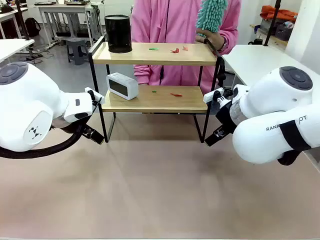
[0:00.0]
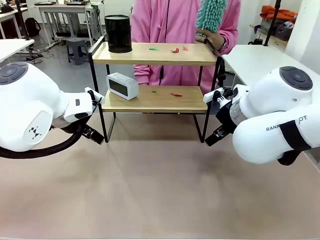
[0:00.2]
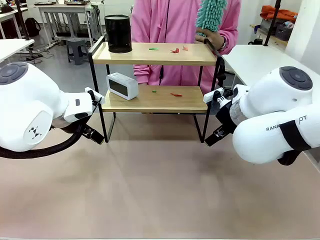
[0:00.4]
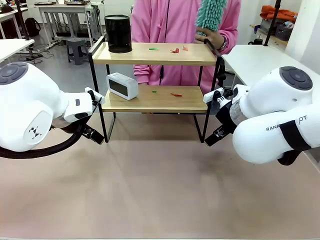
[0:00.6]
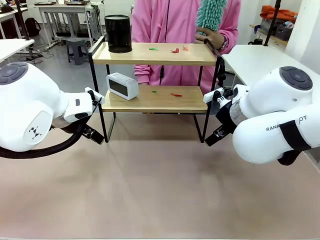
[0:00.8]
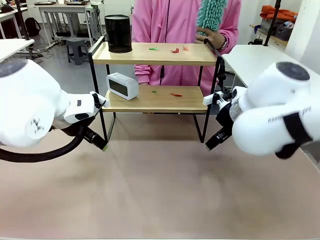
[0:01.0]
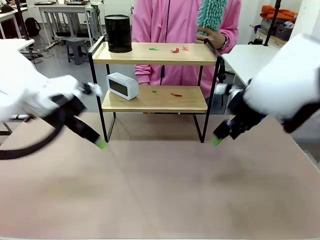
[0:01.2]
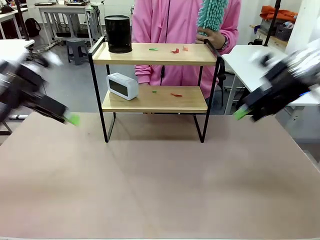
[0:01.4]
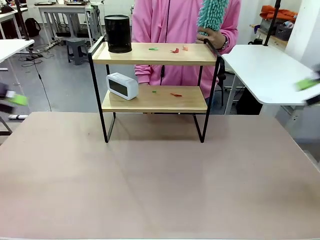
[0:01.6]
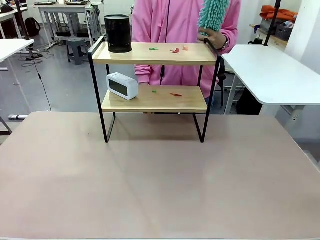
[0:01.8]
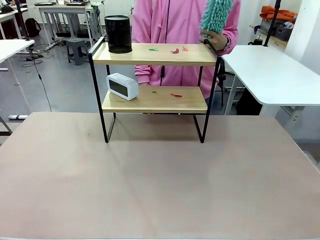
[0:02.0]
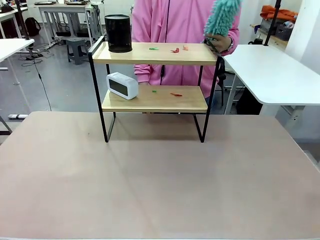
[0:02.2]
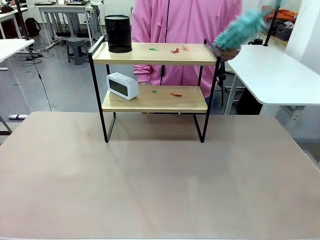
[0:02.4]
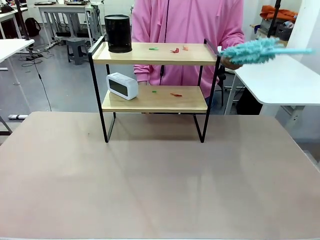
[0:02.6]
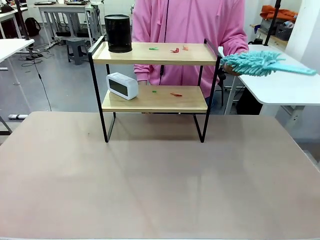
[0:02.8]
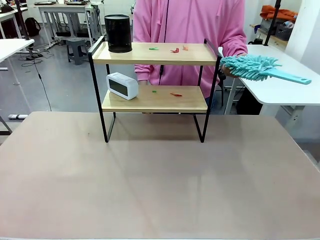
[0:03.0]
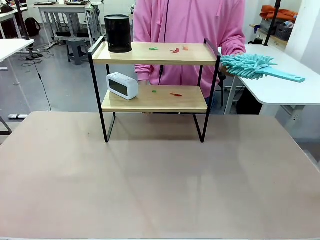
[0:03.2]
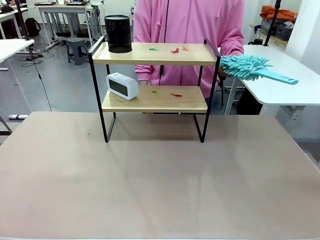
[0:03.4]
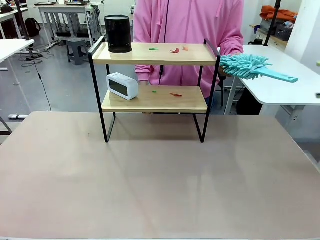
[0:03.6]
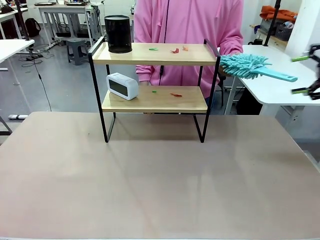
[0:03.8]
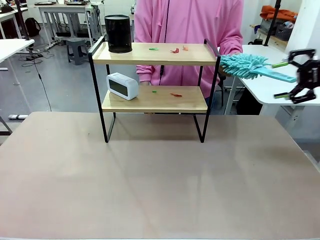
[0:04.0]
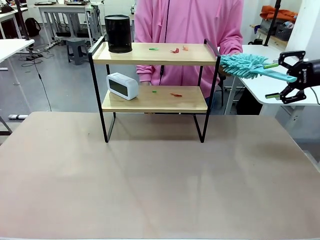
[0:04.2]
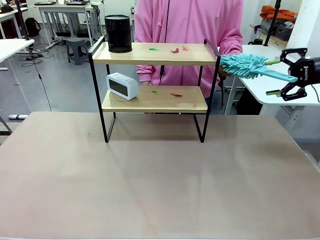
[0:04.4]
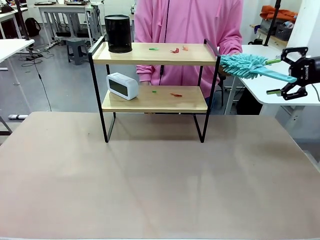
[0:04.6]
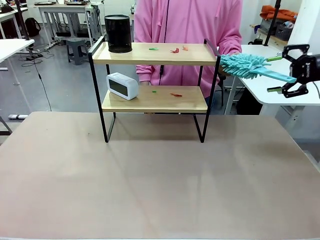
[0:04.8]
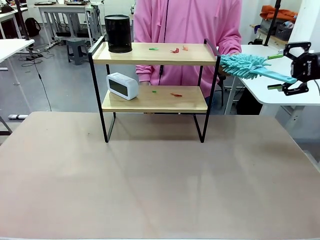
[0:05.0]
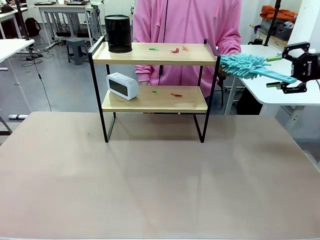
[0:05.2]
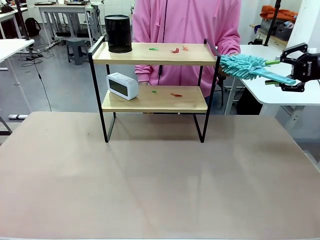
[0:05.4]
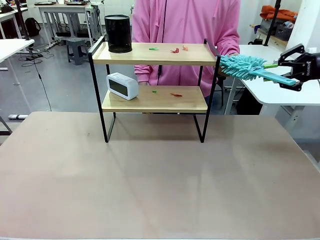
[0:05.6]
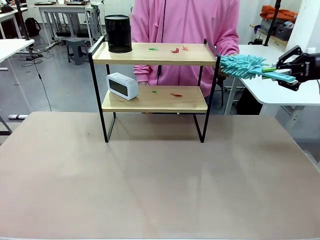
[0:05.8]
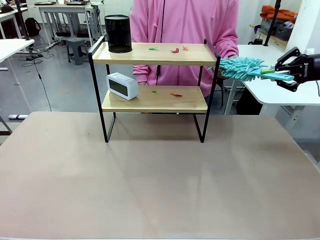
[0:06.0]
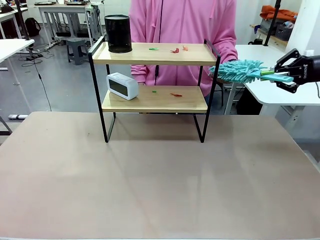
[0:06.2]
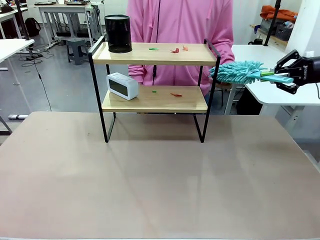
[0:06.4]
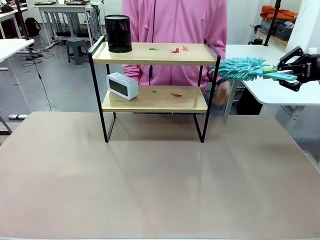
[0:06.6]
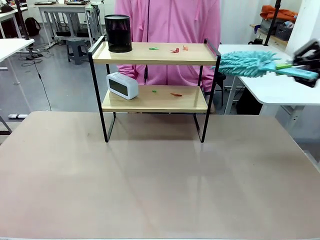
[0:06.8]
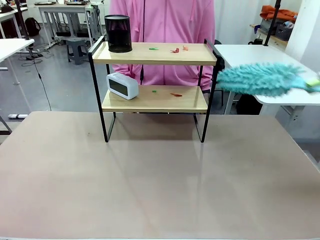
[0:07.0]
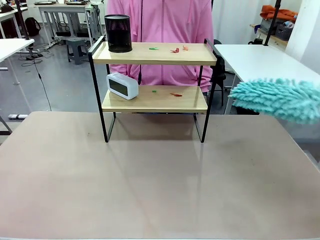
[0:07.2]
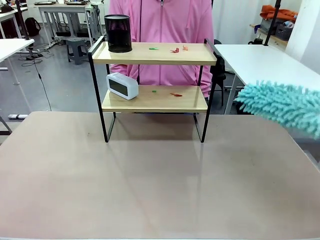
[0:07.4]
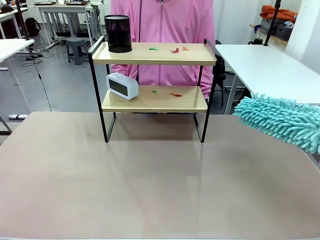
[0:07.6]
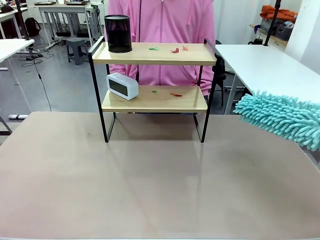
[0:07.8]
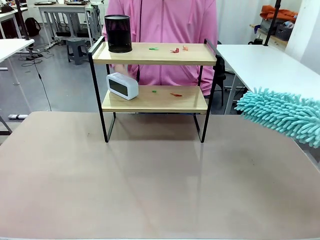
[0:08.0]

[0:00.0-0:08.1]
Task: Clean the shelf.
Robot: Pick up the Duster from the human.
Person: Hand the Duster to the robot.

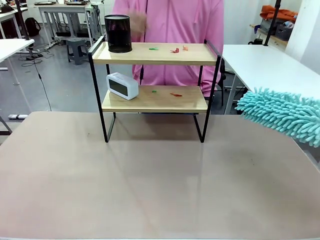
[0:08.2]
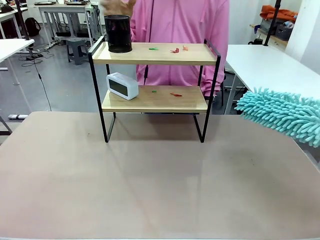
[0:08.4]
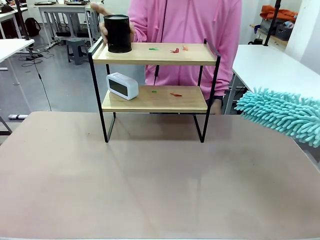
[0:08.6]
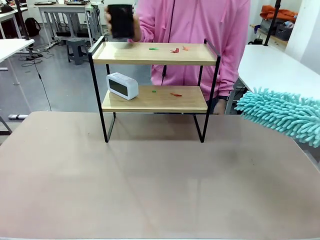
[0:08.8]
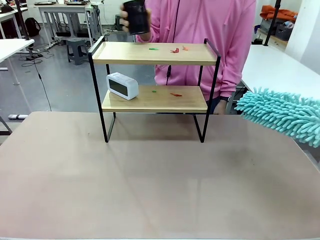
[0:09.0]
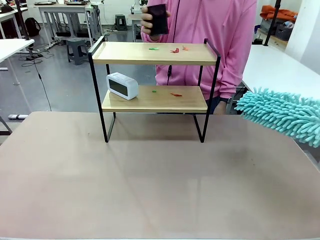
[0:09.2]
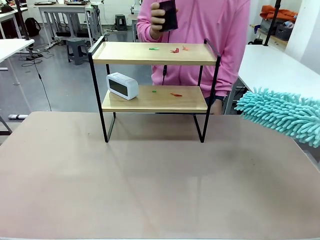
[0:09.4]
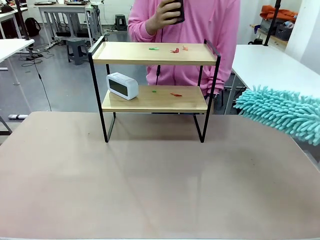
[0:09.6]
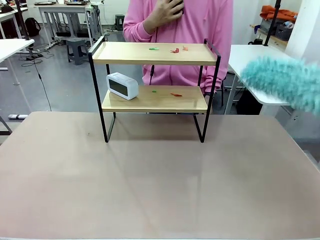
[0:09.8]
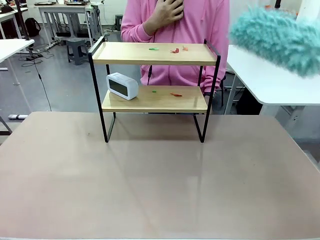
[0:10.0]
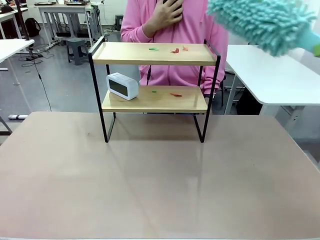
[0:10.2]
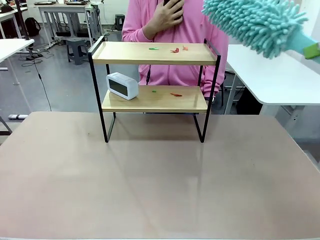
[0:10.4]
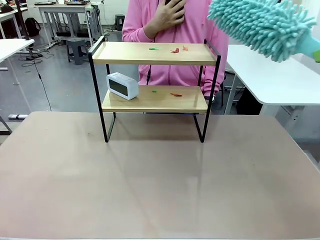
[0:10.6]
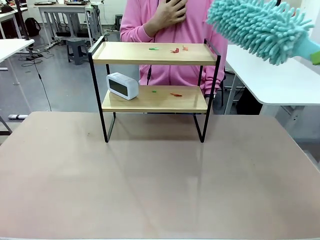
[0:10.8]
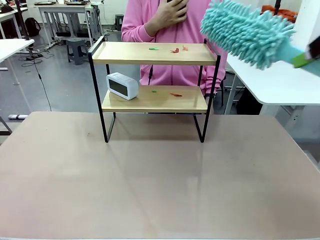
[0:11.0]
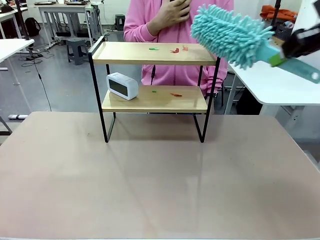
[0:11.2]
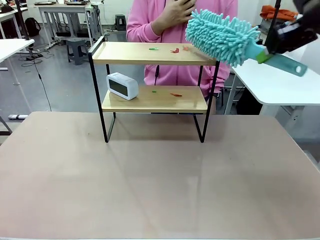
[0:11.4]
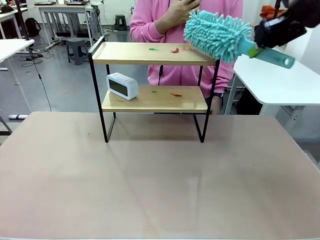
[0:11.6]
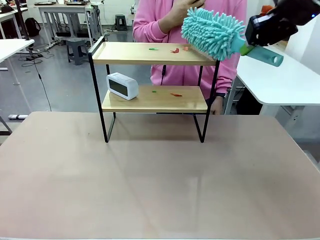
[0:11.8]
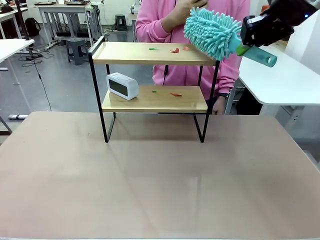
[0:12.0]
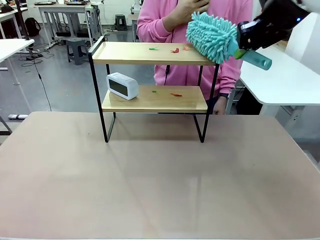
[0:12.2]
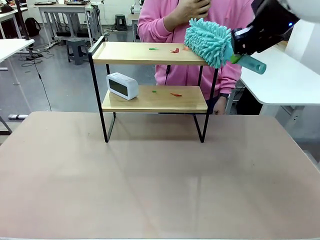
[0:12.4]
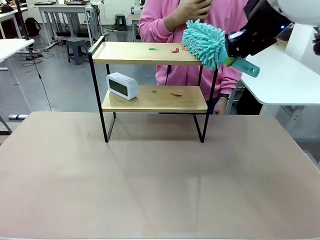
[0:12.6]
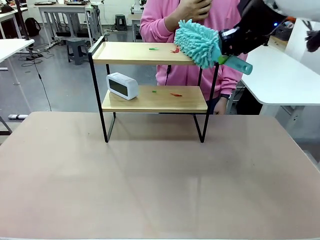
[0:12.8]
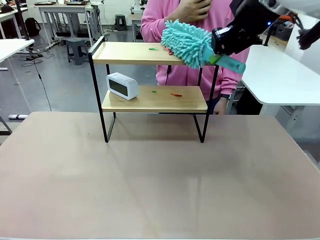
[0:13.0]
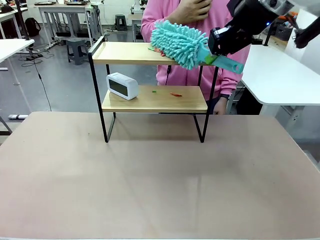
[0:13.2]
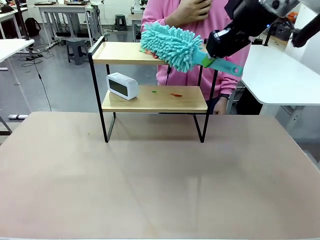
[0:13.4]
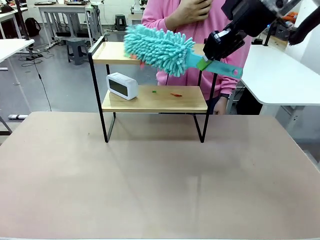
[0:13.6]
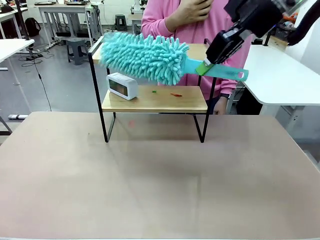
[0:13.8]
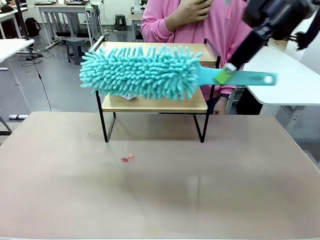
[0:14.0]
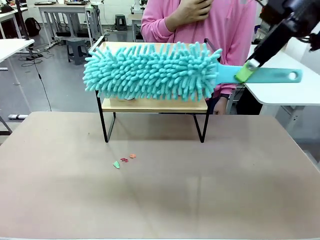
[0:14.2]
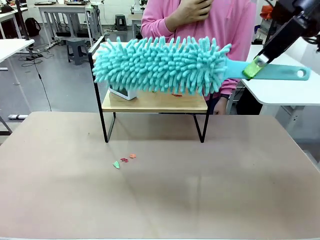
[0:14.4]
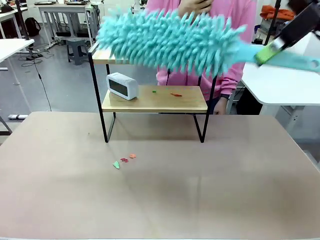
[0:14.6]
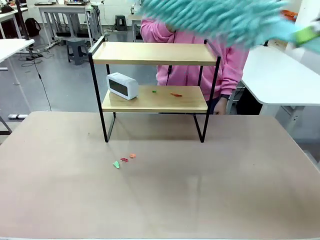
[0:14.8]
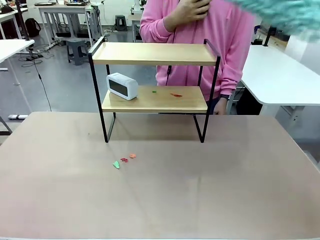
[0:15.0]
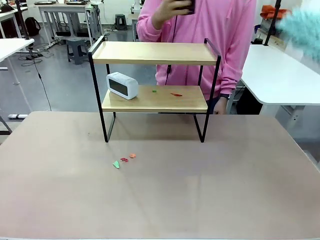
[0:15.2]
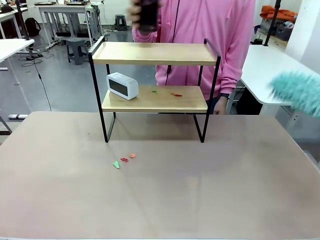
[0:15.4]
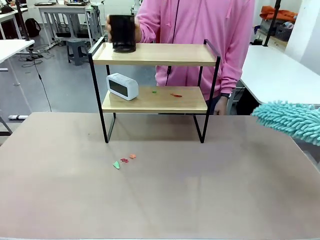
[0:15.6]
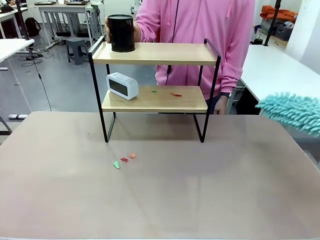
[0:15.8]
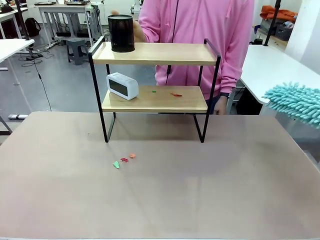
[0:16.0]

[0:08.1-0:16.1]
Robot: Clean the specific tier of the Shelf with the Duster once objects are removed.
Person: Lift the objects on a randomly selected tier of the Shelf. Once the robot finishes cleaning, lift the objects on the remaining tiers of the Shelf.

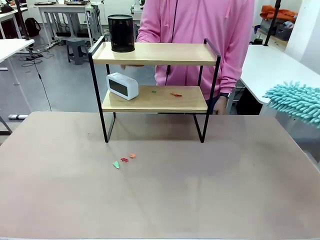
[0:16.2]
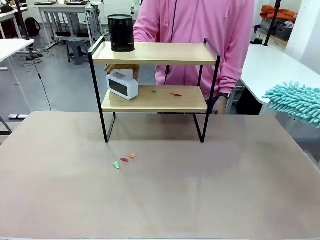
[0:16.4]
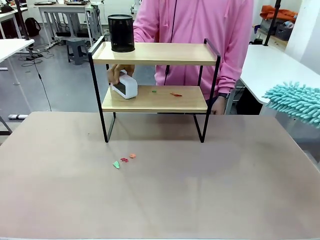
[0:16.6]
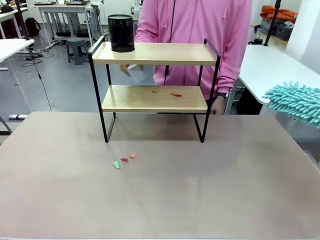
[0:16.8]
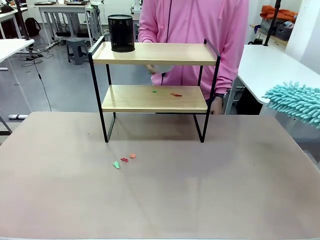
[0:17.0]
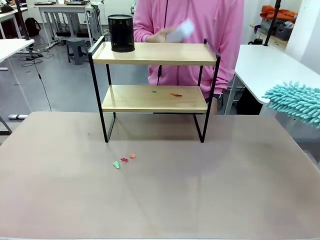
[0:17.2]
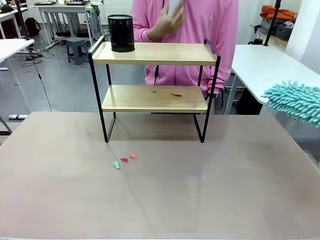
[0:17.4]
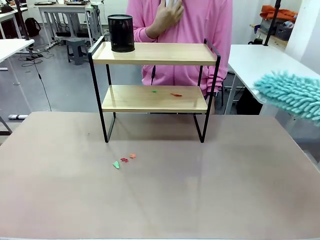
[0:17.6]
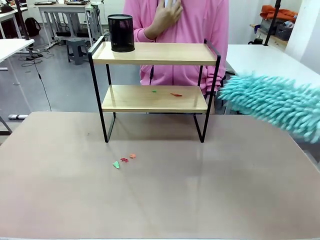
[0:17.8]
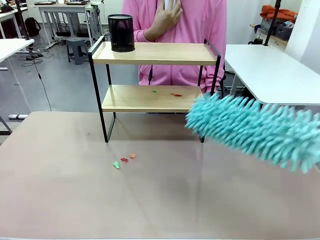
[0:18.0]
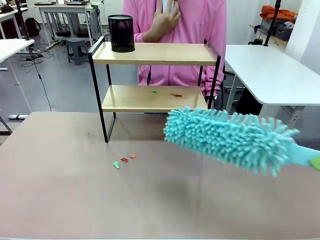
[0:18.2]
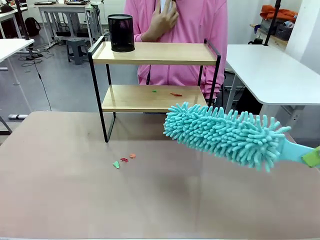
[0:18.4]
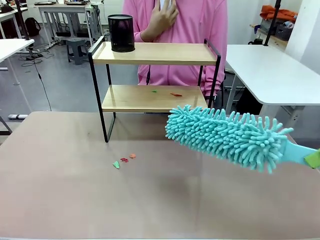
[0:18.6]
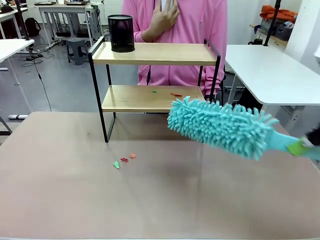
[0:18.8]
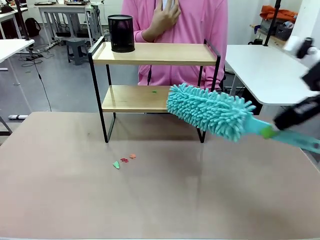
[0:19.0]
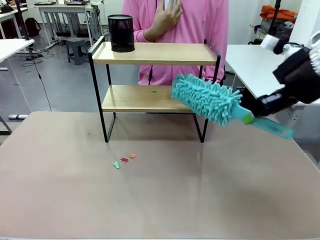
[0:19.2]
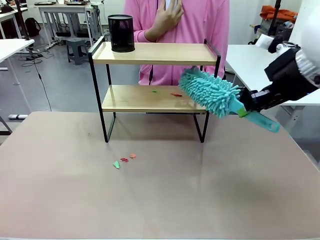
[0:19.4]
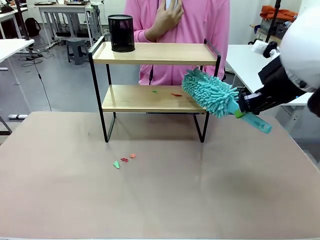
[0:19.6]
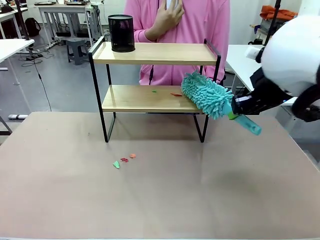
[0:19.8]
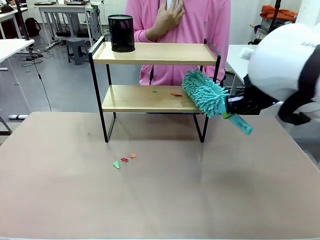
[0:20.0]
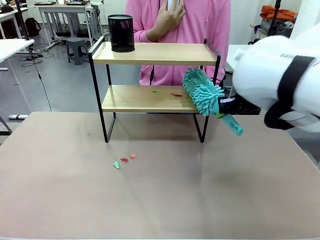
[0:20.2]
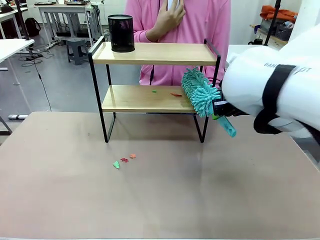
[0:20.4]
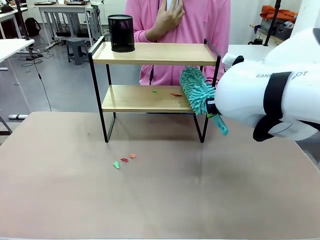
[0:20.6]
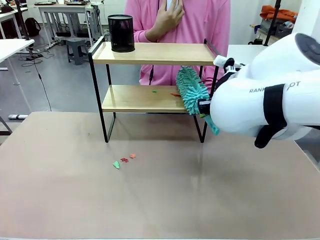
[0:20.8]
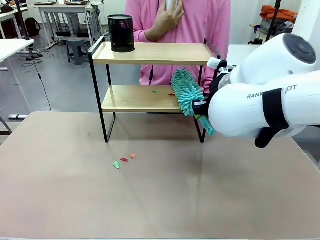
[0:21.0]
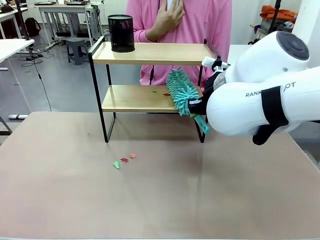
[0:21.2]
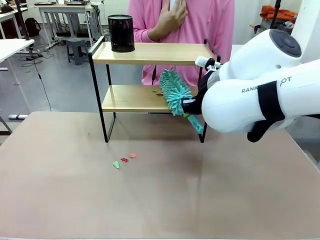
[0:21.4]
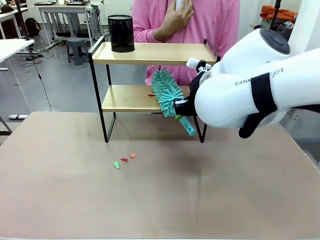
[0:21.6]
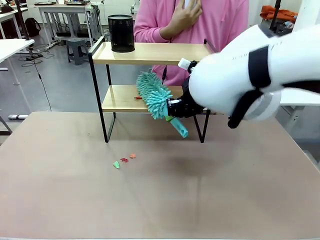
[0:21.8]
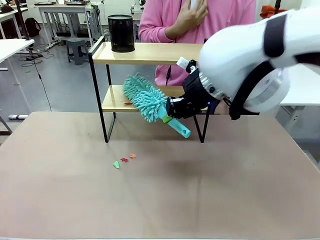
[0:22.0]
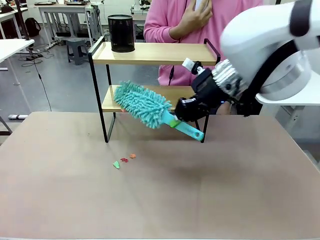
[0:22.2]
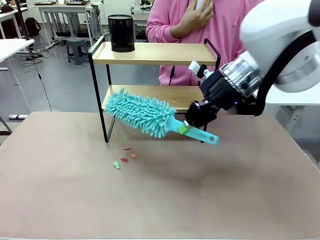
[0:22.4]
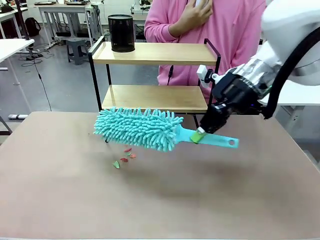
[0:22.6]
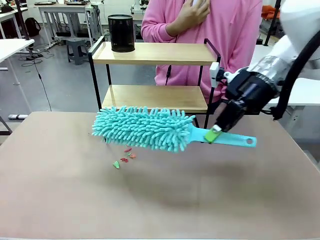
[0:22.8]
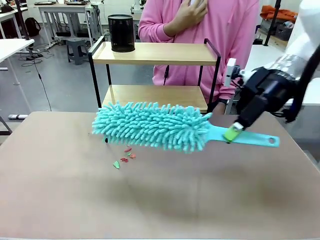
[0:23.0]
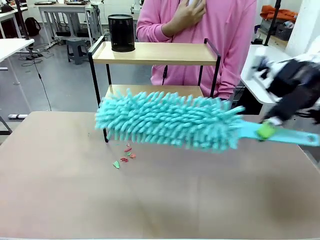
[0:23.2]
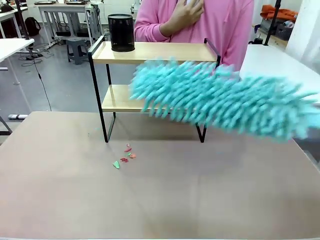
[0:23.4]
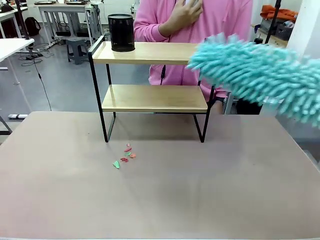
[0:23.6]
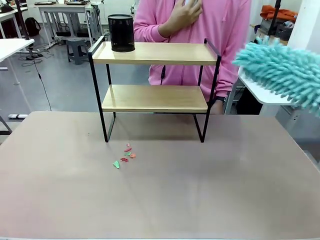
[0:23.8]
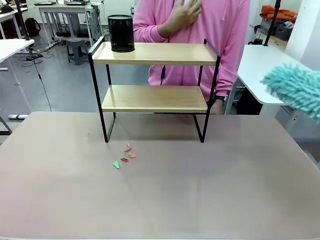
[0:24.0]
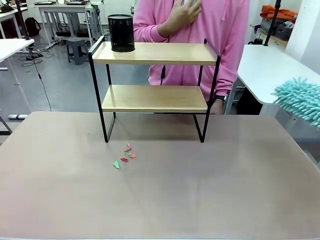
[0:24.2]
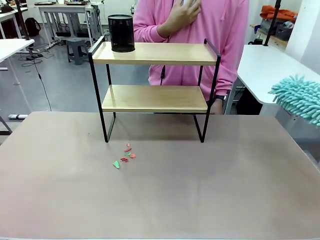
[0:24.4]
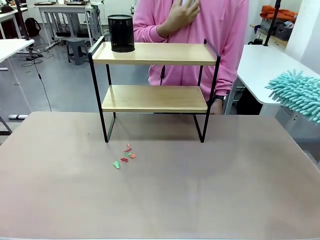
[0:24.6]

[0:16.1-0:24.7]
Robot: Clean the remaining tier of the Shelf with the Duster once objects are removed.
